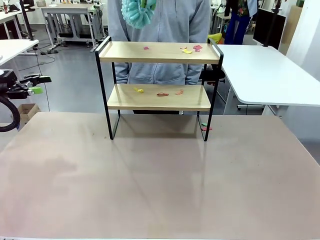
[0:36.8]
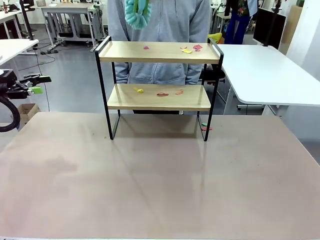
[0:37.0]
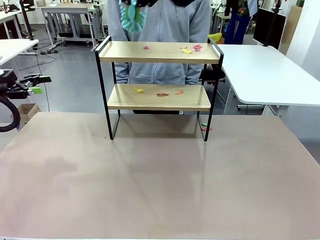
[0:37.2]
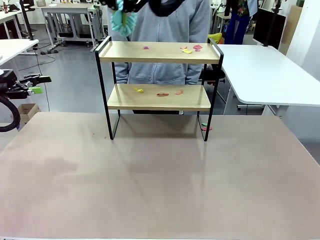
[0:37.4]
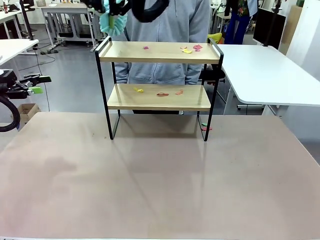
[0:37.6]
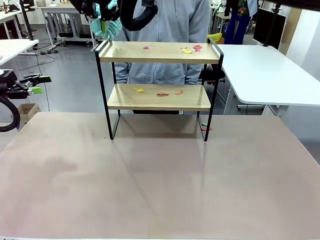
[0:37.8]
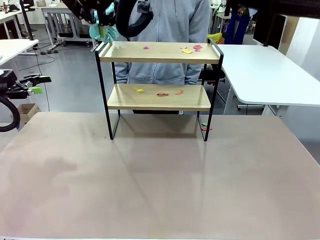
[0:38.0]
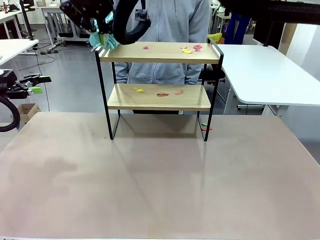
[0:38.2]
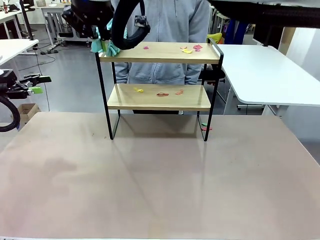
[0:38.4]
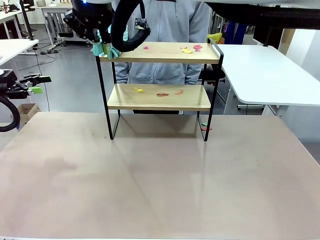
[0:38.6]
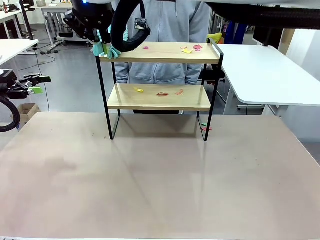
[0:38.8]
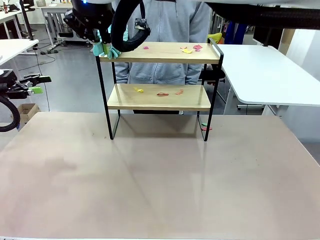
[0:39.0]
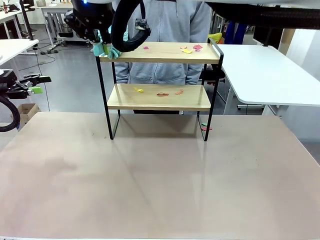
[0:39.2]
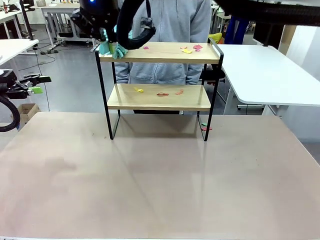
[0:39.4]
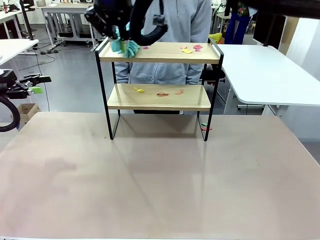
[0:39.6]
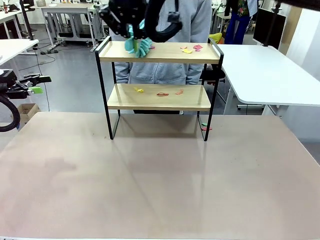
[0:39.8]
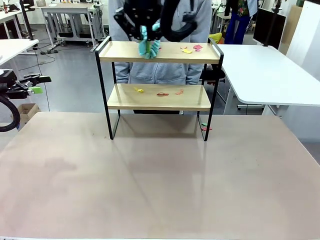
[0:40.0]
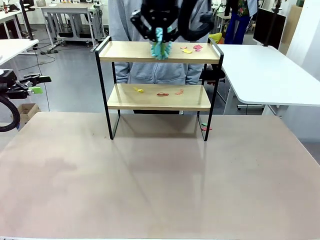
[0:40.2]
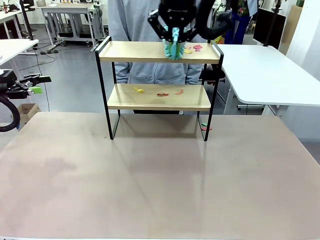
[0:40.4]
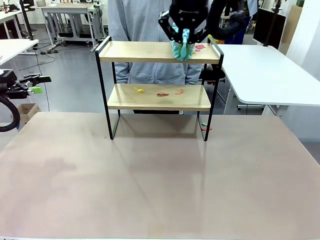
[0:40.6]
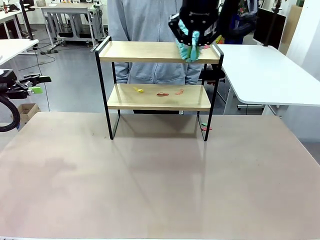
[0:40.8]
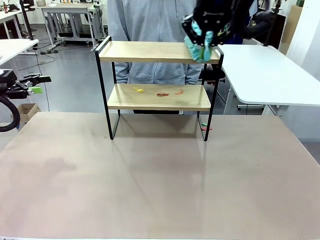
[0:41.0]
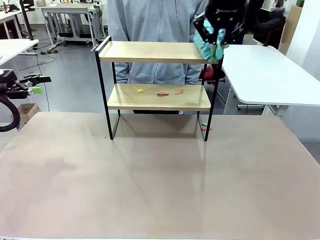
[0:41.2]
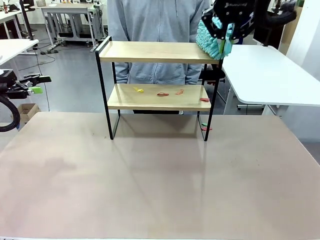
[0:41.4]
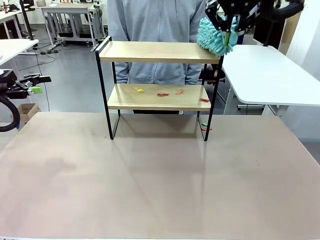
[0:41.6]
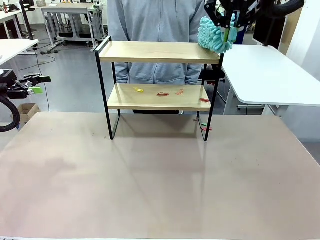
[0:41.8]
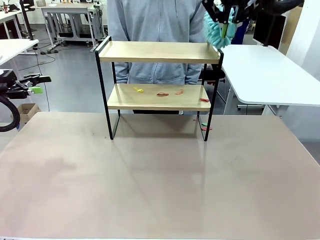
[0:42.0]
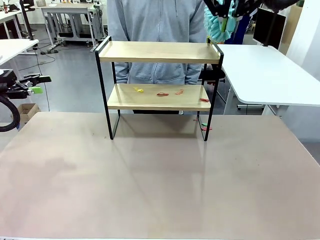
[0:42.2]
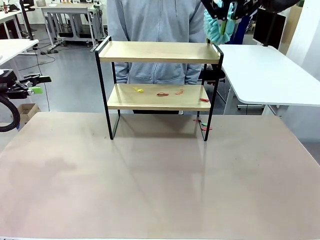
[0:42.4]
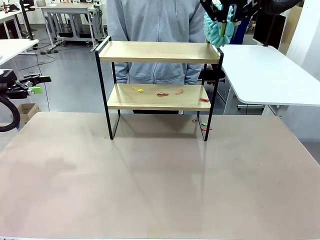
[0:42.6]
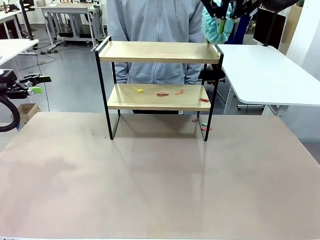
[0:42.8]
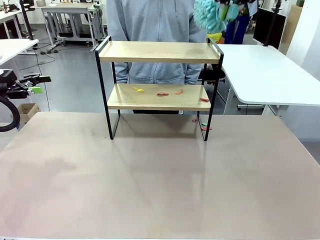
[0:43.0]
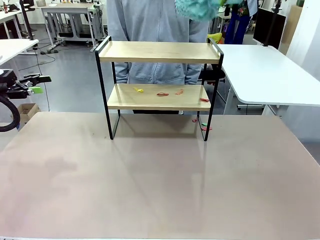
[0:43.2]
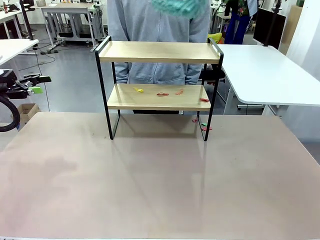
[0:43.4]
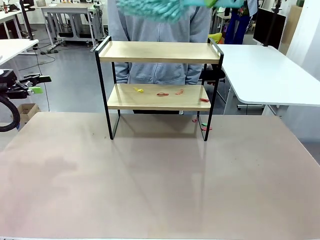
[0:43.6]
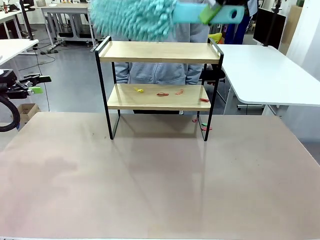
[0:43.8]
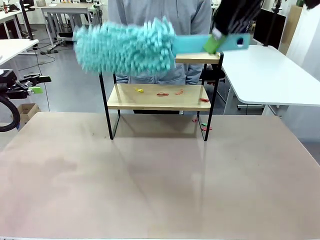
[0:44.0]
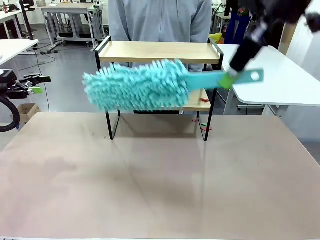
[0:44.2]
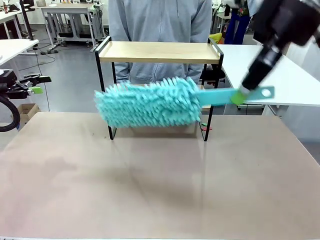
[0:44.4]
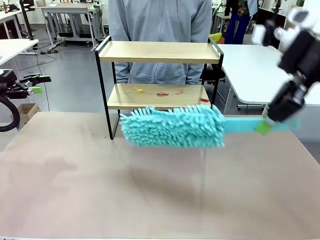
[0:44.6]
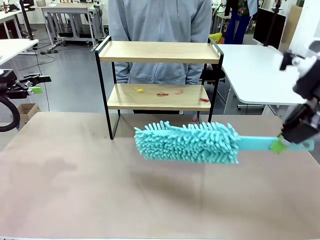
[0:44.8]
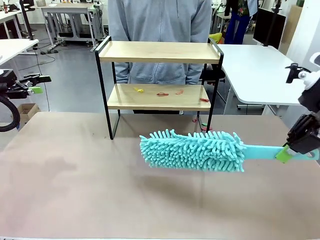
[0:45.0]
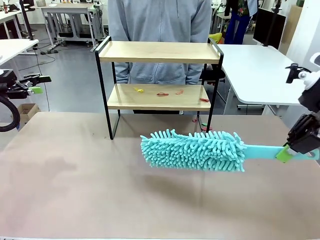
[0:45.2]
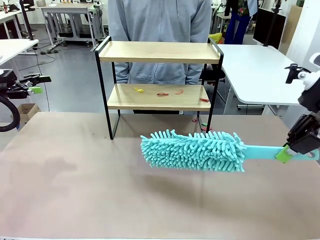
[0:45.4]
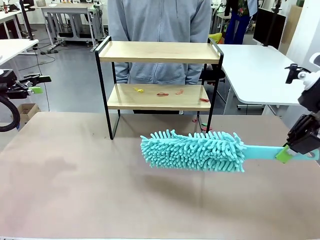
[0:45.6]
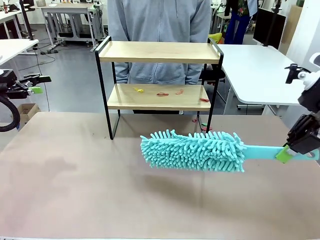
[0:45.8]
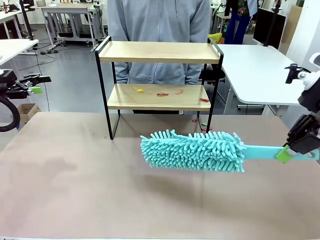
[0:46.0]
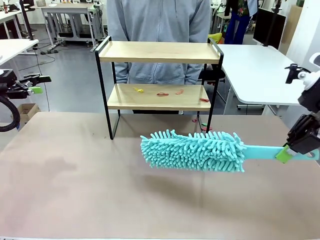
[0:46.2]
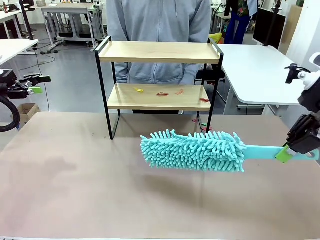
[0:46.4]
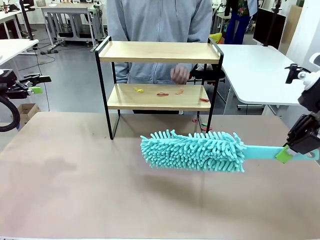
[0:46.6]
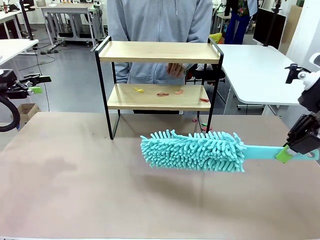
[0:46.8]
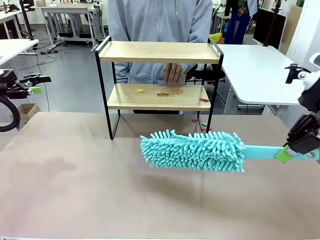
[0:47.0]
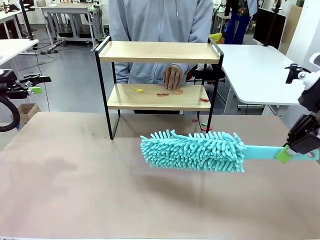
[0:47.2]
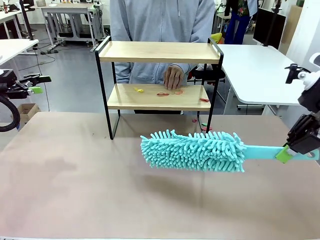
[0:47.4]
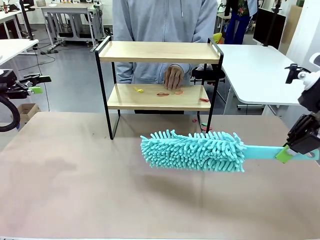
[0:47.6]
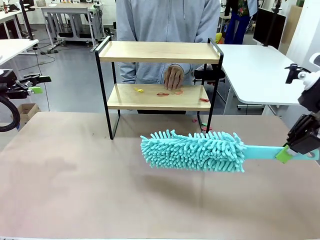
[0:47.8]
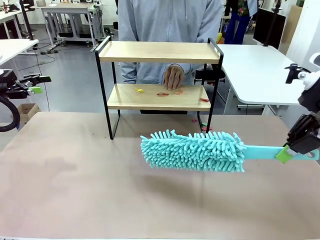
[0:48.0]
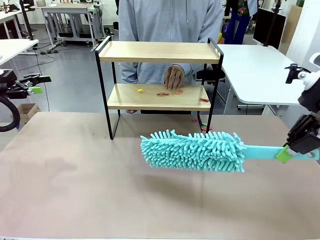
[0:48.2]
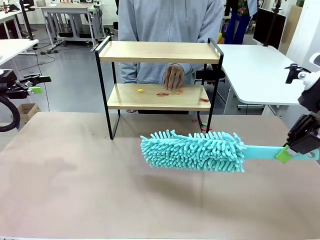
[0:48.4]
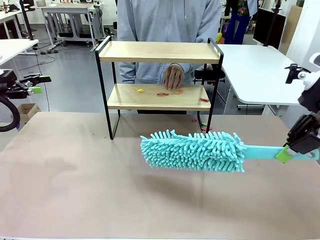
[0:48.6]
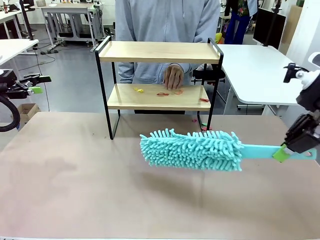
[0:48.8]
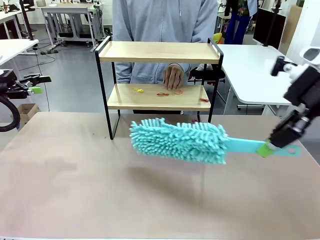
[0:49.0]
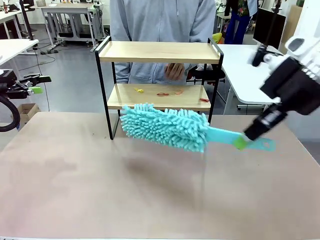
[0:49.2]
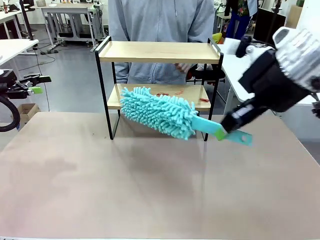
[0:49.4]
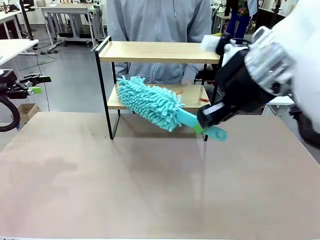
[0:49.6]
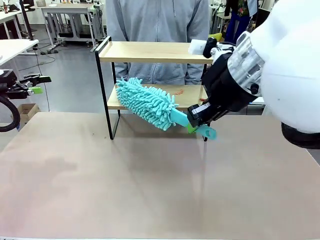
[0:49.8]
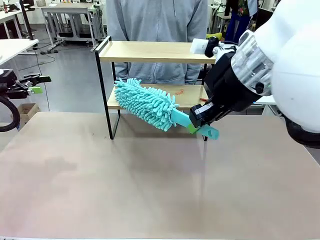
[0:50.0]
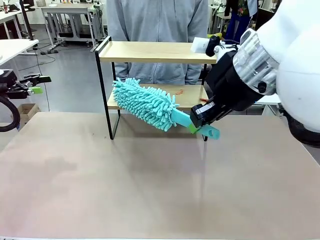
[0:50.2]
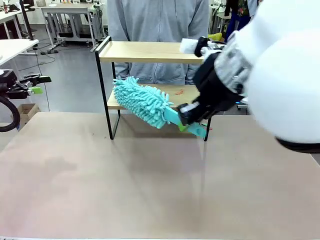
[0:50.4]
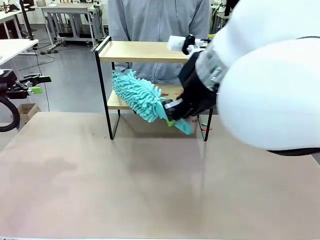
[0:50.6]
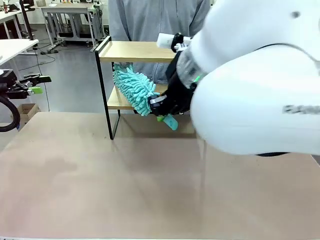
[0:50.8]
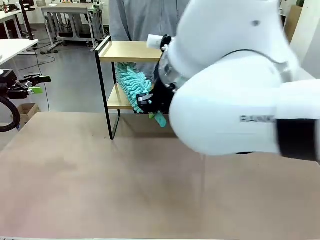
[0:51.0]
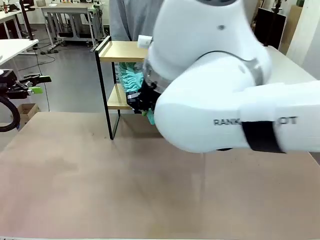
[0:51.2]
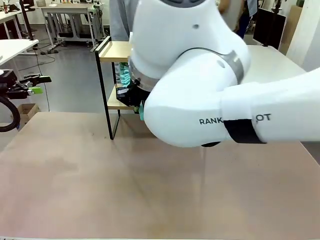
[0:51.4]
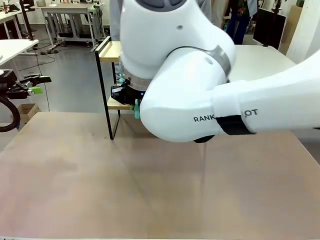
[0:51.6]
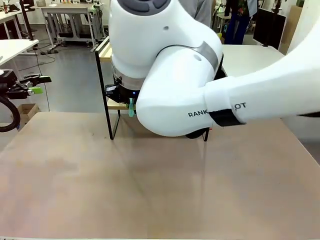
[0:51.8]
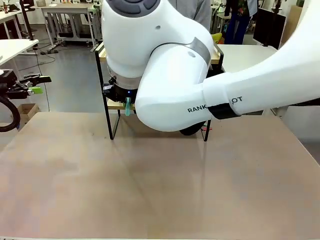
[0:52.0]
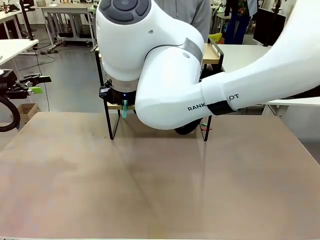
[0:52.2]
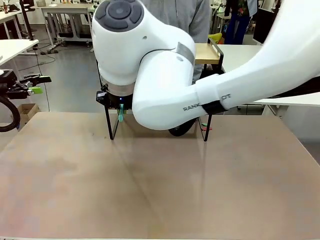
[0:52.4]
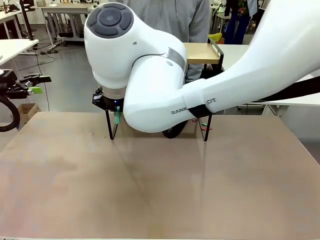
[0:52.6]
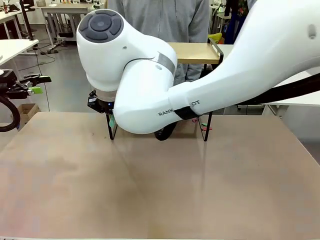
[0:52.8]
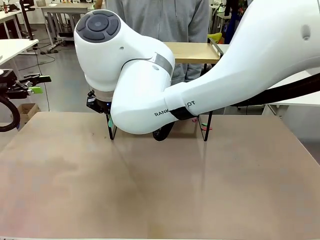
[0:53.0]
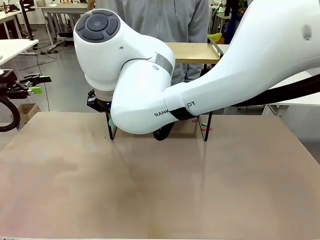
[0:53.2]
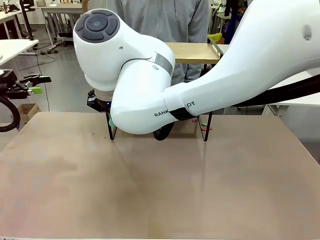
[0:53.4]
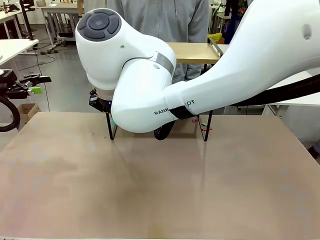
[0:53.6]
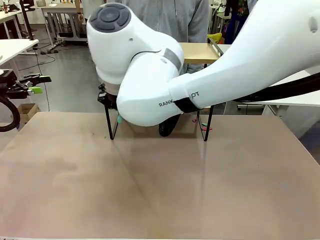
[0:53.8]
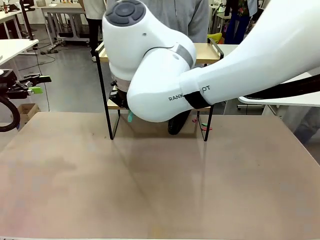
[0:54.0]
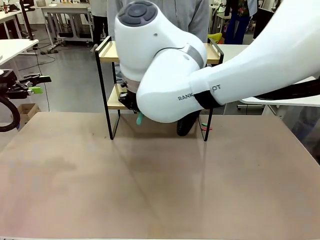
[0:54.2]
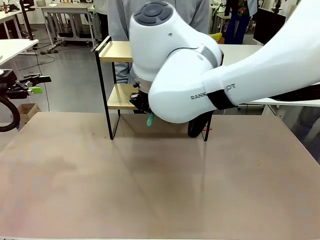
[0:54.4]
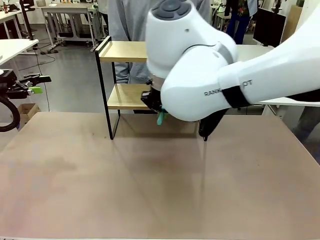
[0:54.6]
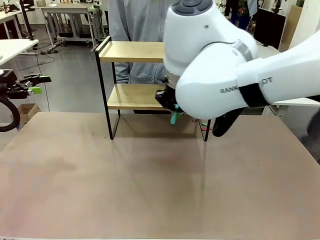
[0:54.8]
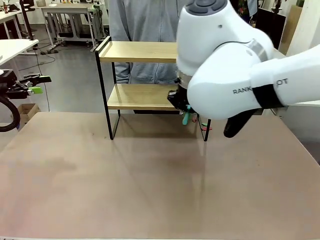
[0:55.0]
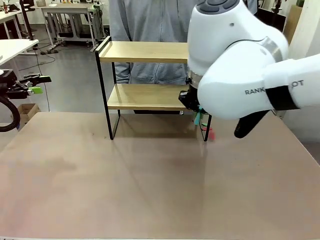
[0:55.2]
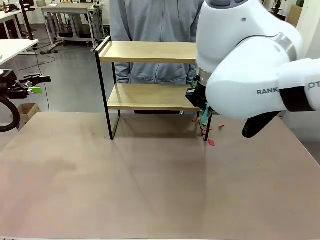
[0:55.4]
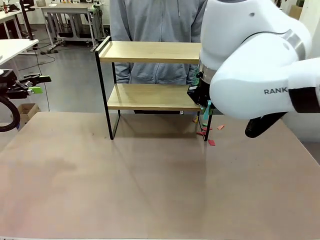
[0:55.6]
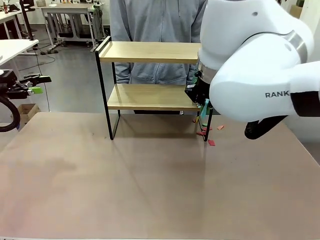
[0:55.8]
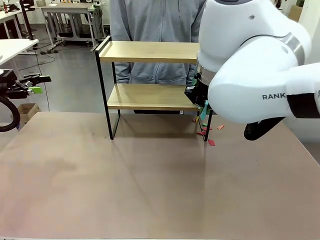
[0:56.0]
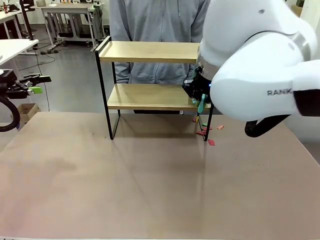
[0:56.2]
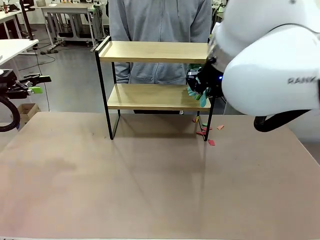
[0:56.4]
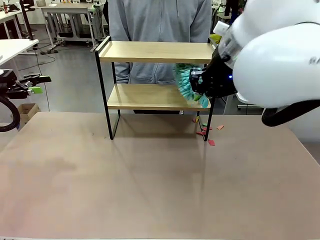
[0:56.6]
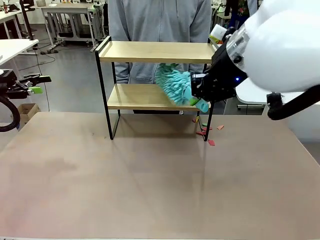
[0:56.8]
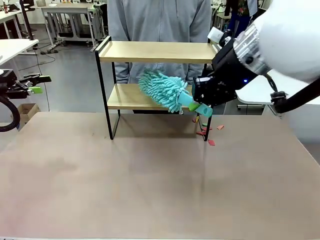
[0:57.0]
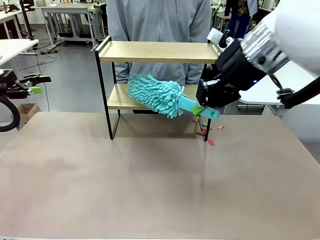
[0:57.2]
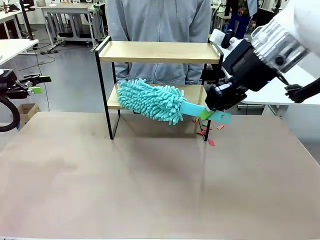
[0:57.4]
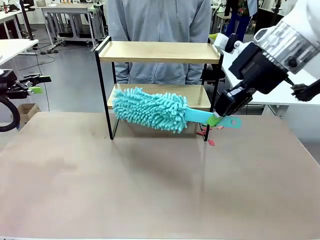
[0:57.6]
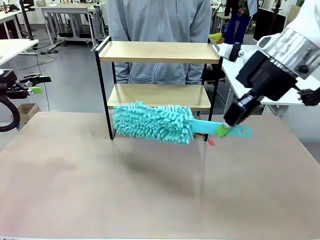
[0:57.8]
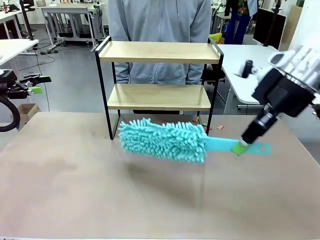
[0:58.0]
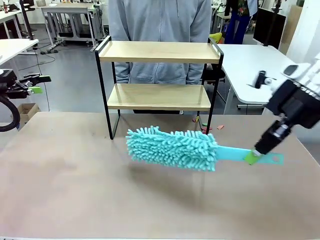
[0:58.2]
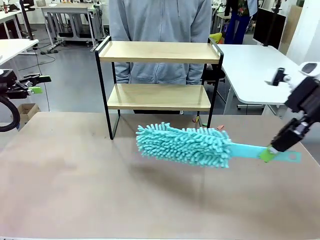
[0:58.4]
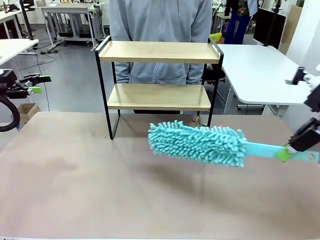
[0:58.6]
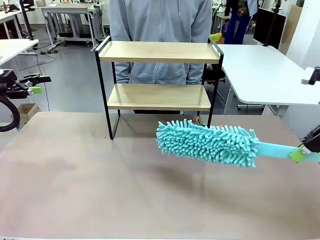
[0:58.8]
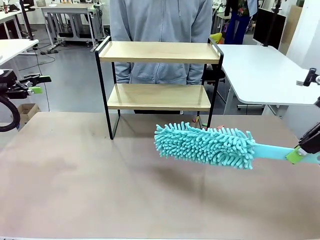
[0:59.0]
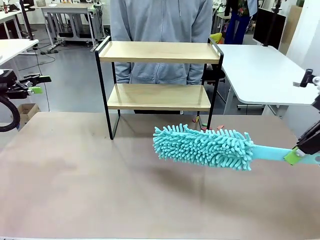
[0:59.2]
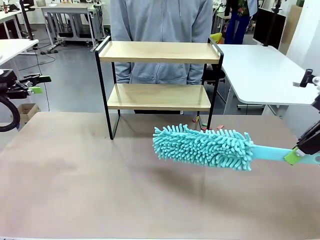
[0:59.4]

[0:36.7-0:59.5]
Task: Clean the shelf.
Robot: Clean the specific section of the Shelf indicated by the human with the Duster.
Person: Point a remaining section of the Shelf.
